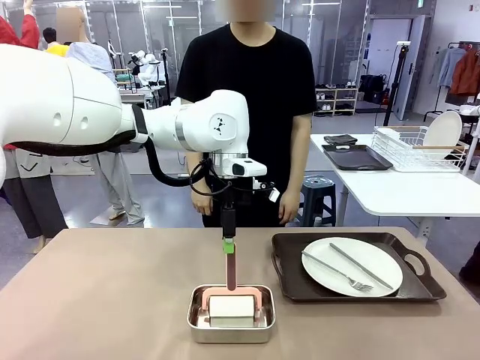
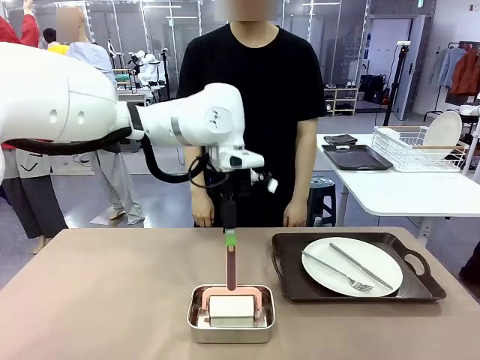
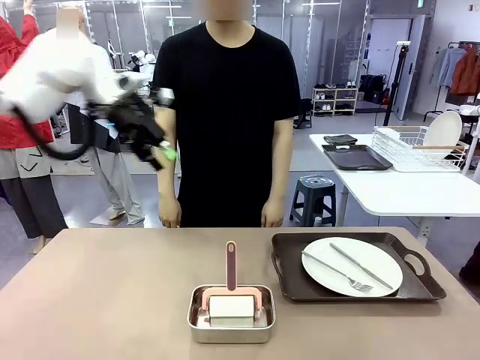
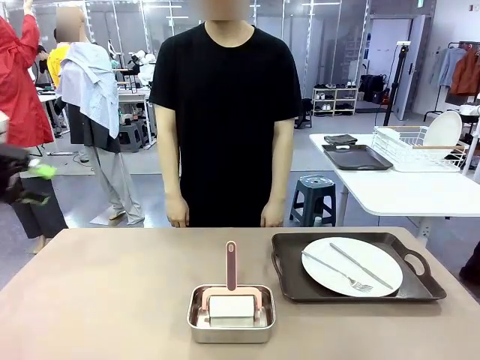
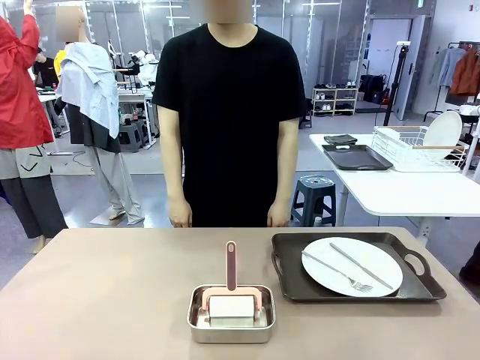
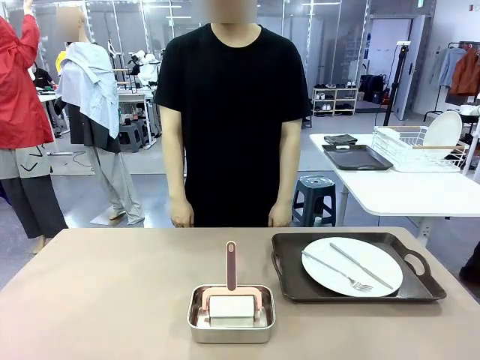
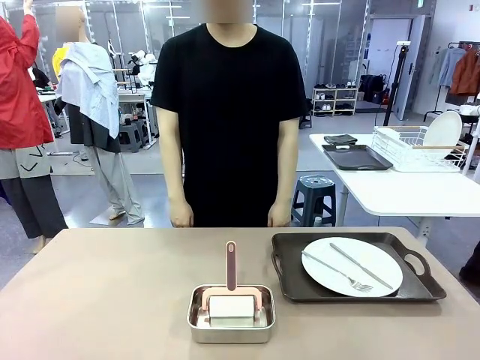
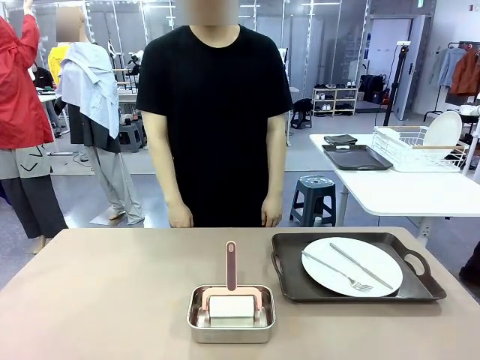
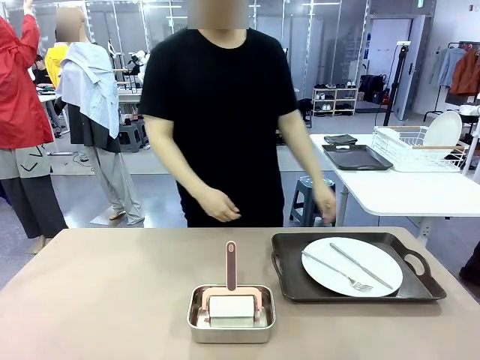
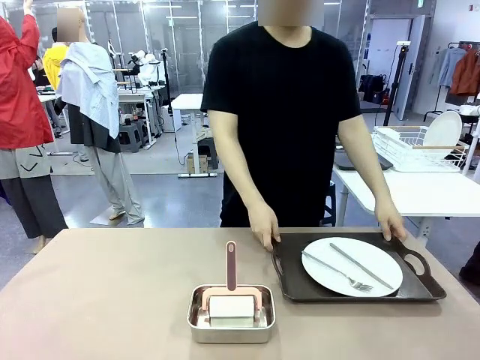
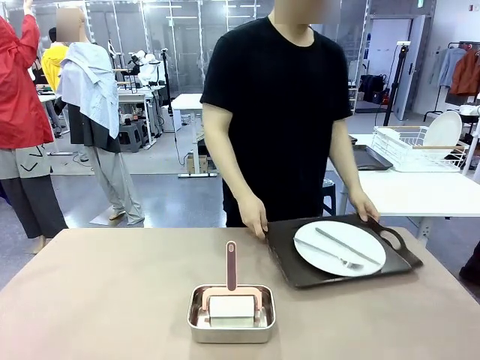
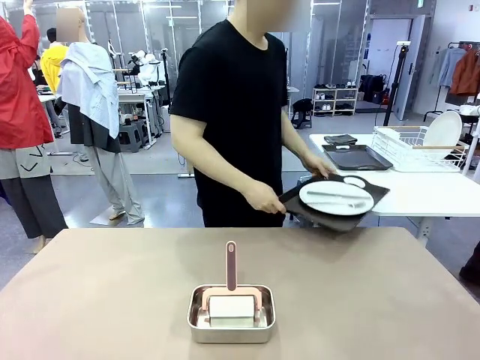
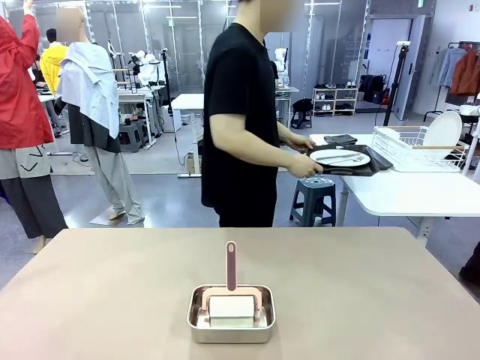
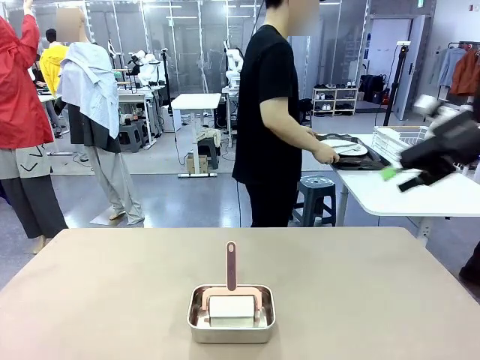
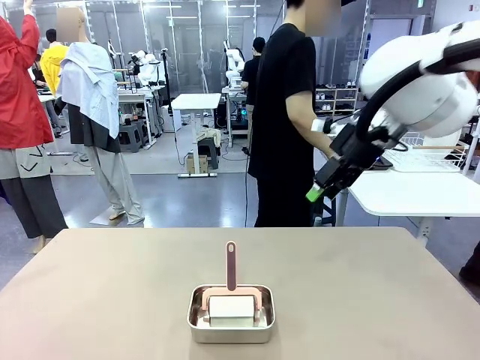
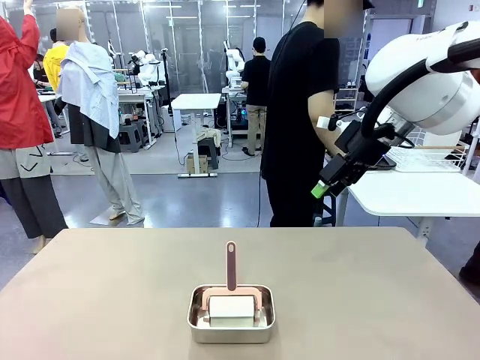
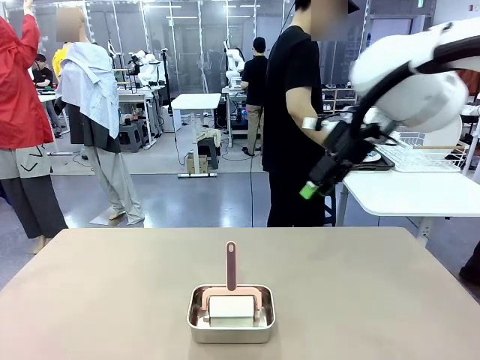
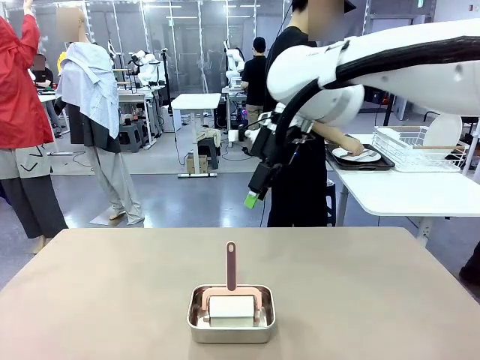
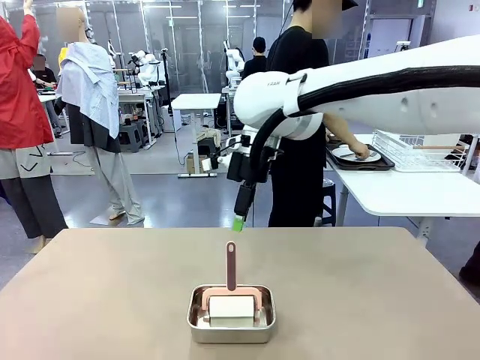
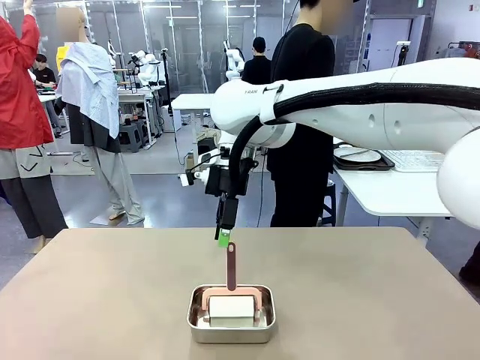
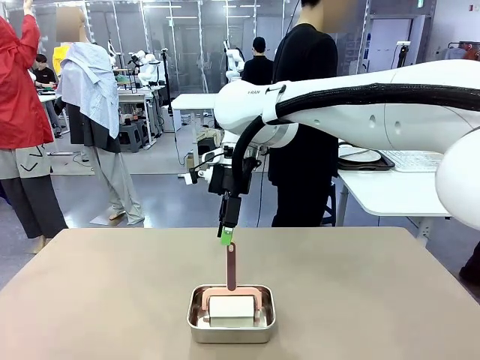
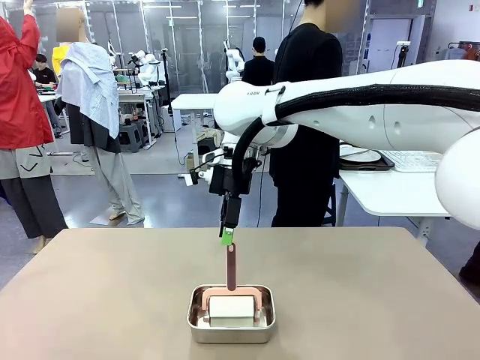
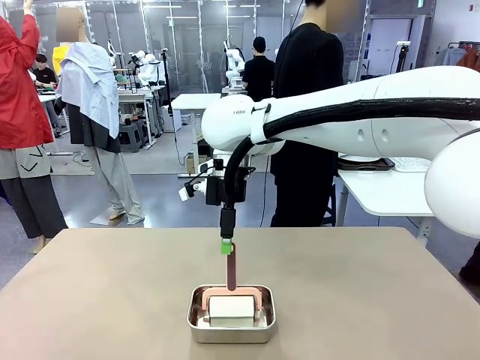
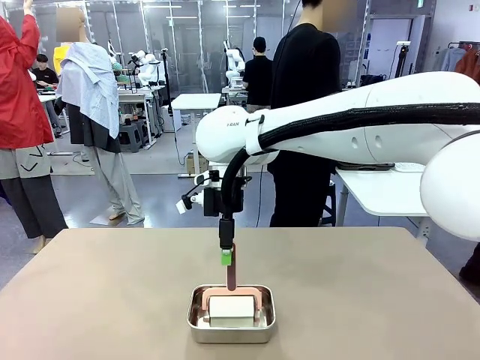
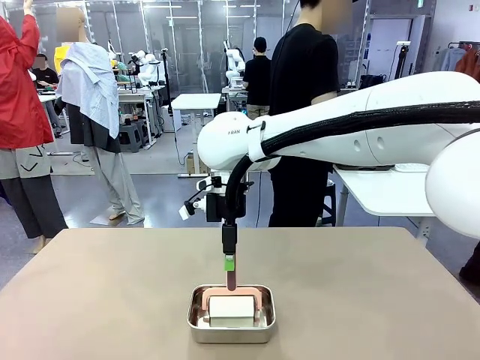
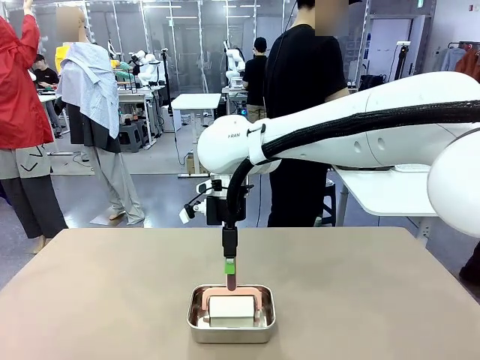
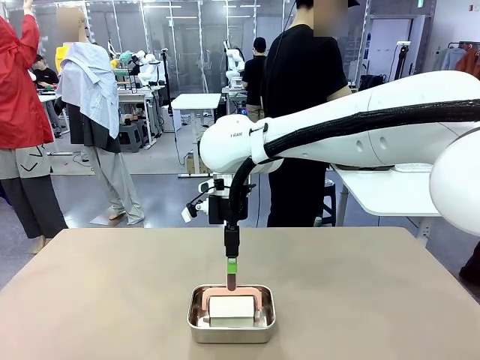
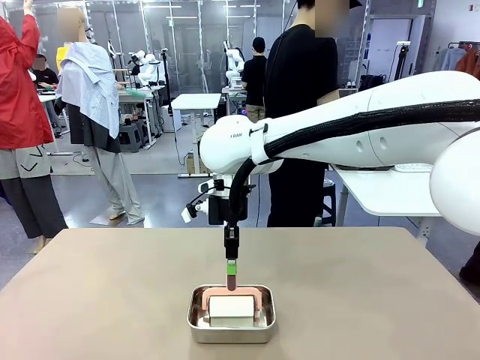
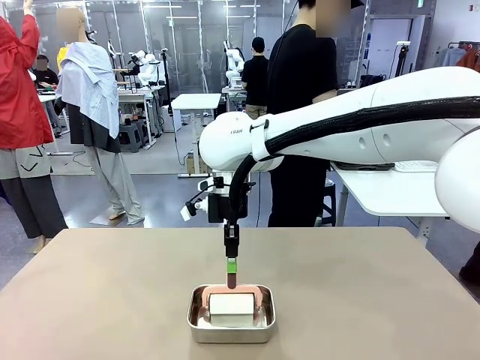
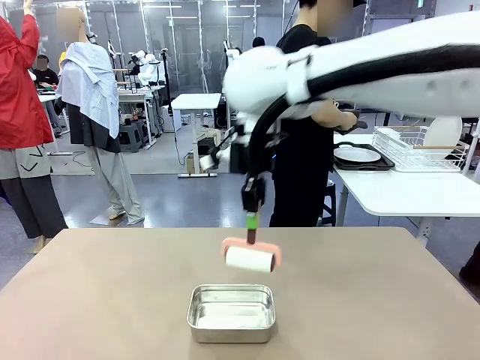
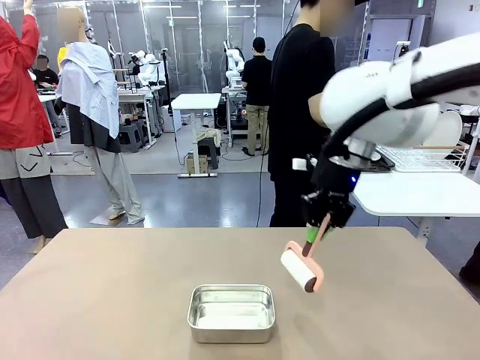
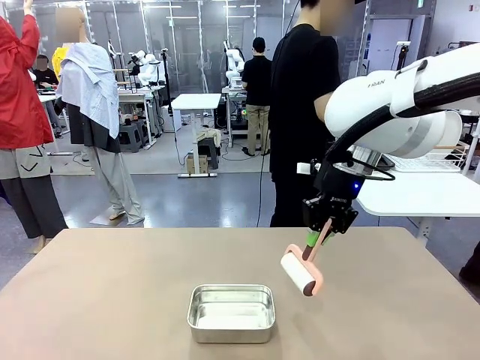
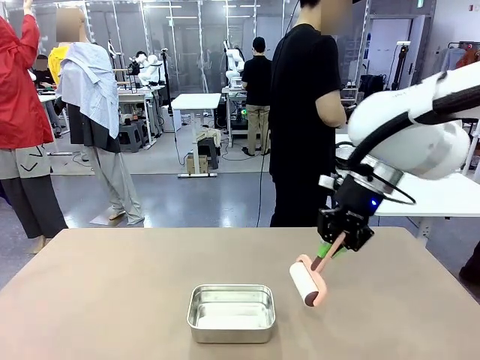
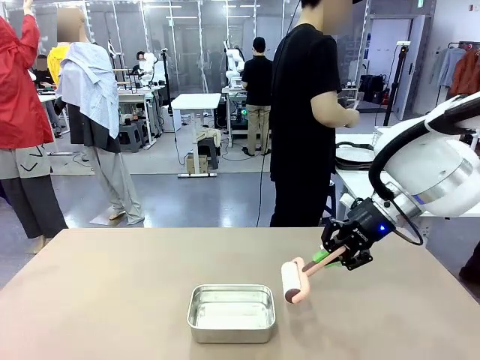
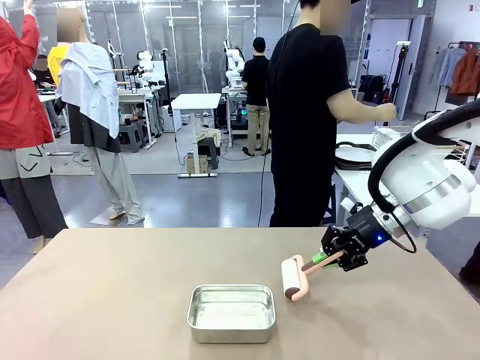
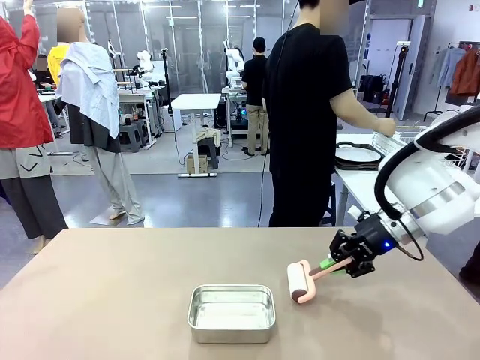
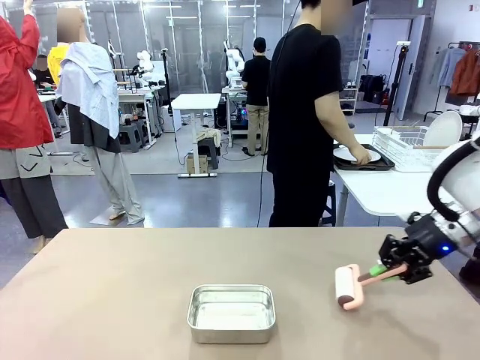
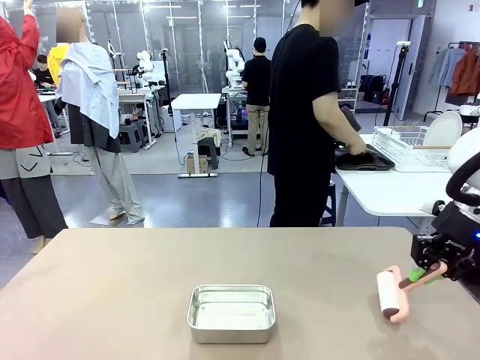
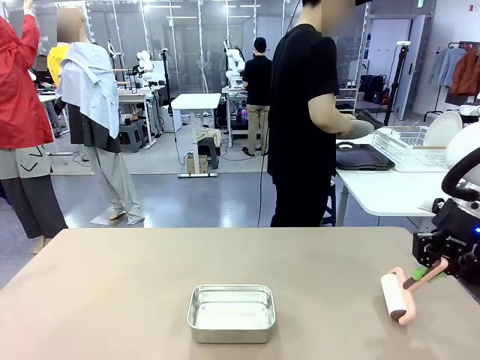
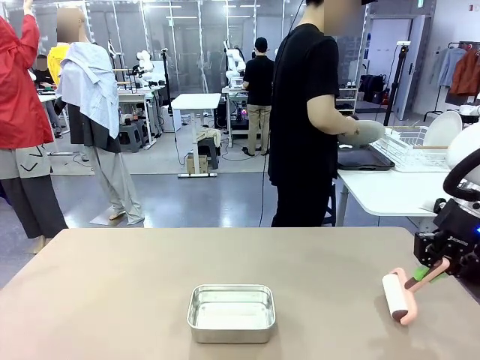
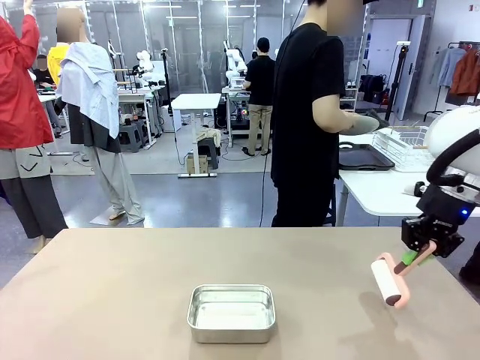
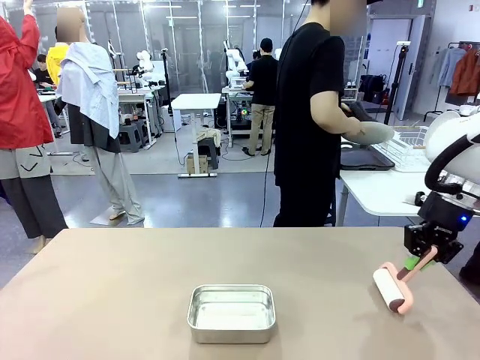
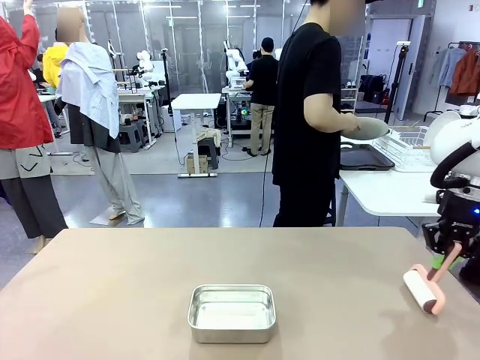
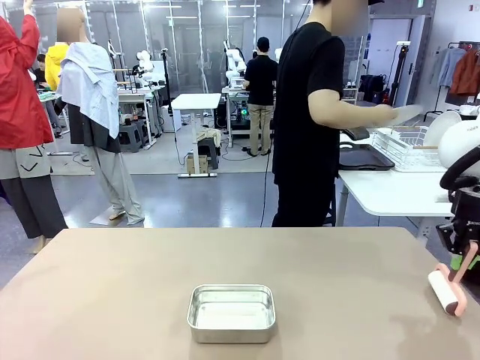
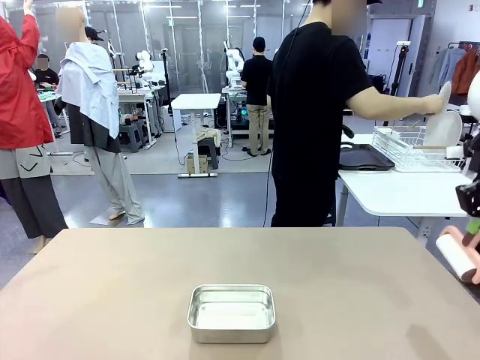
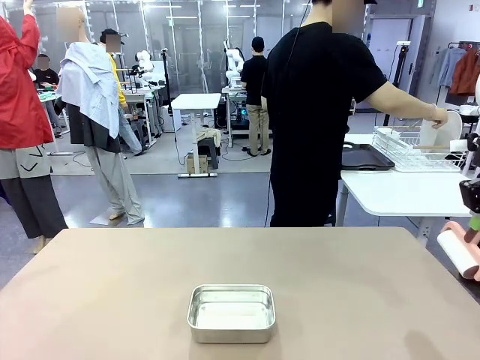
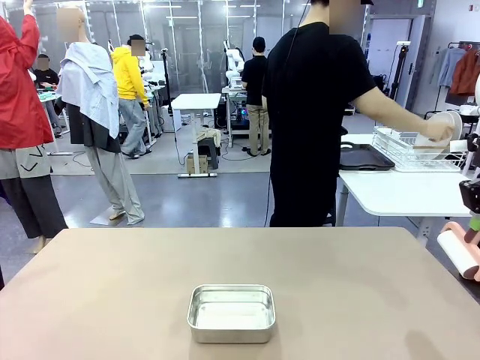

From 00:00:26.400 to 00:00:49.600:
Robot: When the right (or left) Handle tray is removed, use the right hand (or left hand) to clean the right (or left) side of the table with the Lint Roller.
Person: Pick up the left (or right) Handle tray and place it on the Handle tray. Use the Towel with hook to wipe the Plastic Matte Plate , Fork , and Knife and place into the Dish drying rack.
